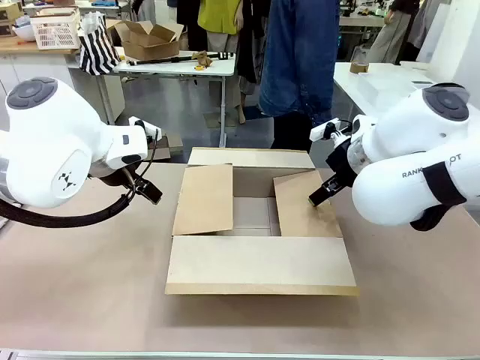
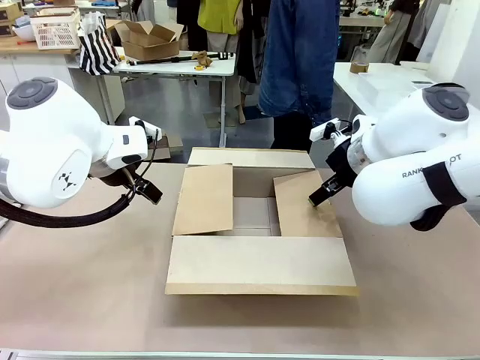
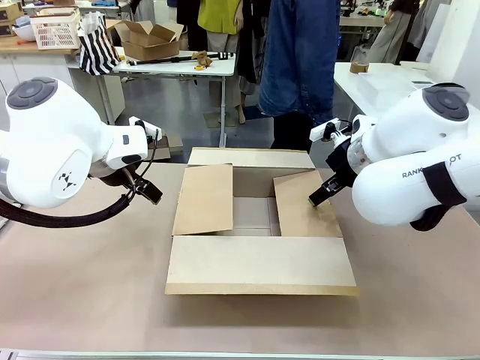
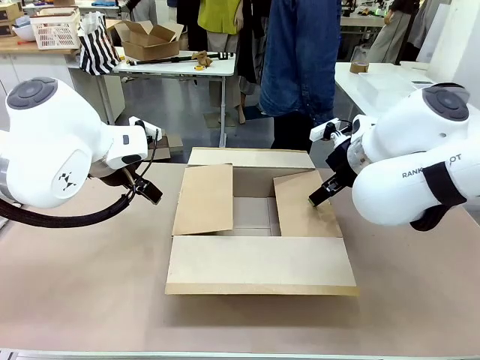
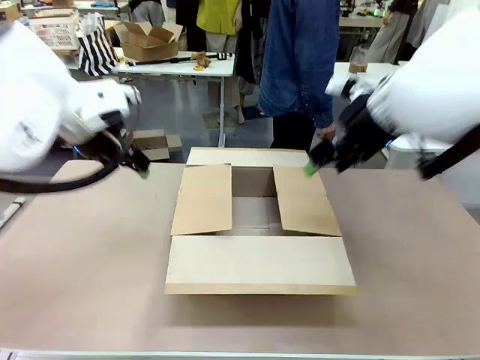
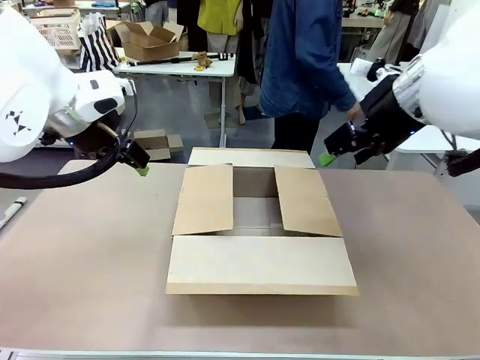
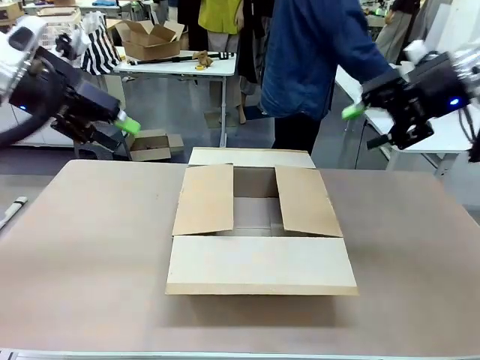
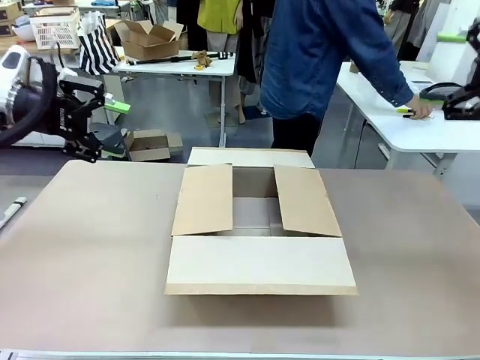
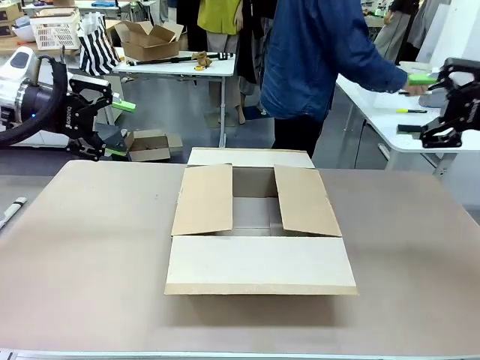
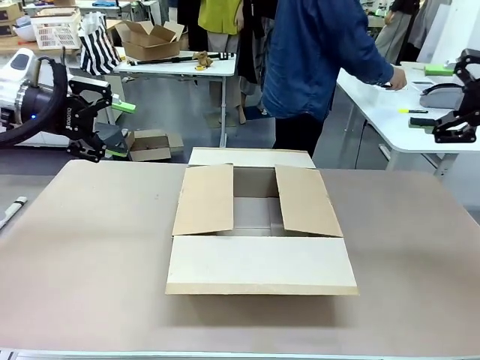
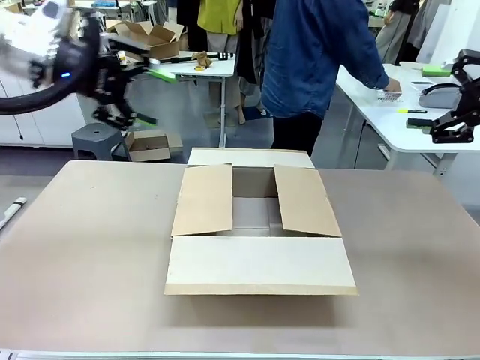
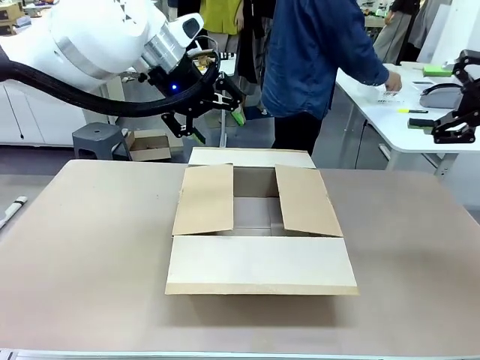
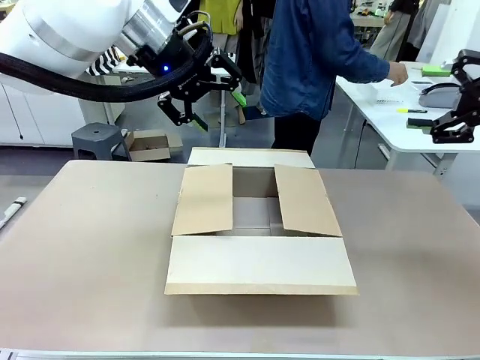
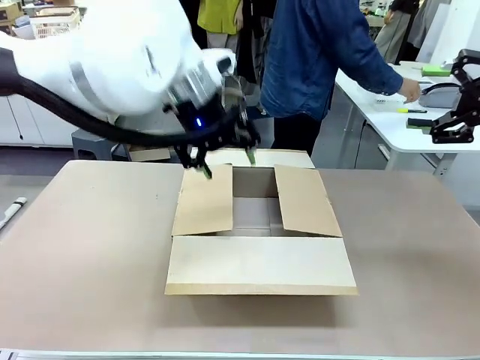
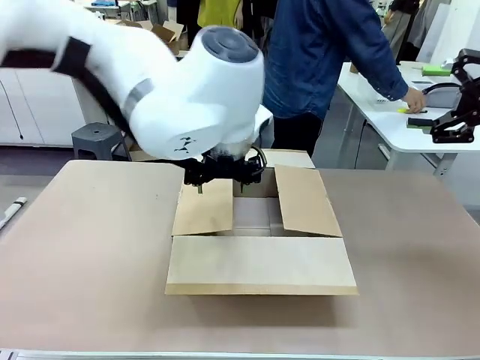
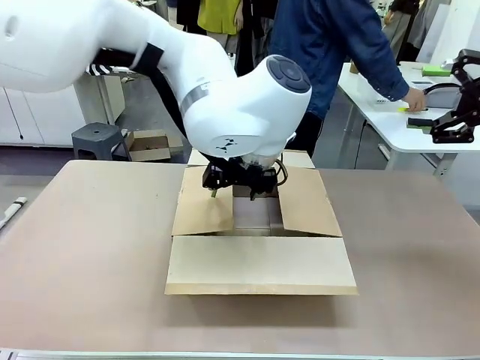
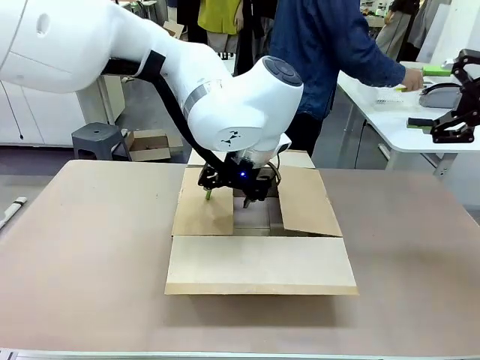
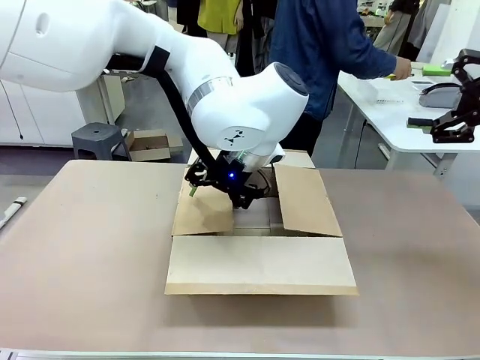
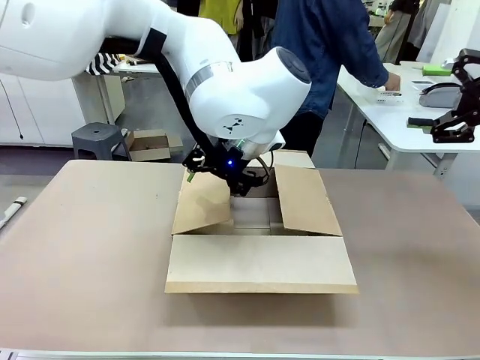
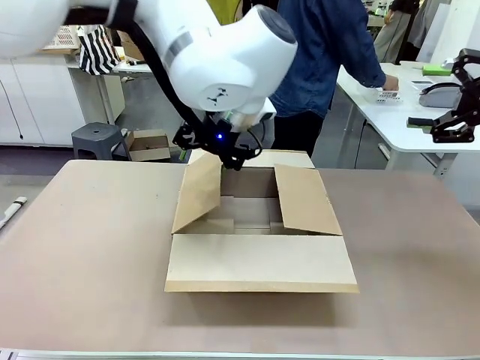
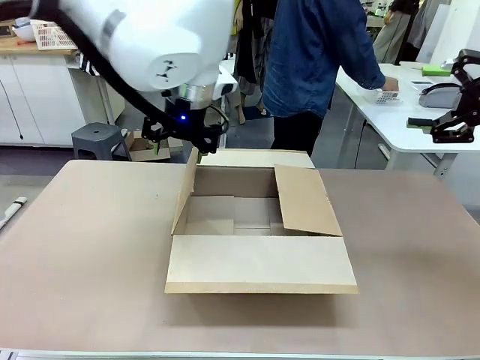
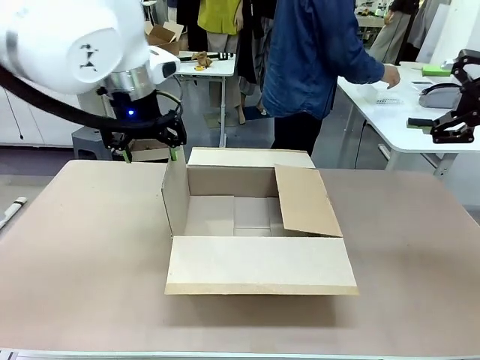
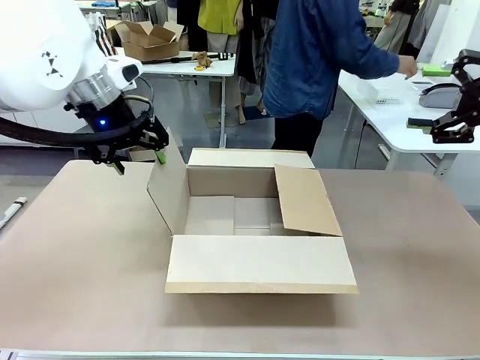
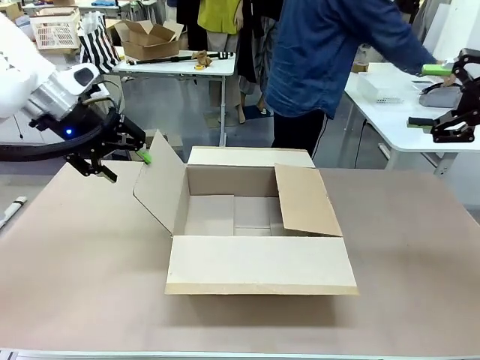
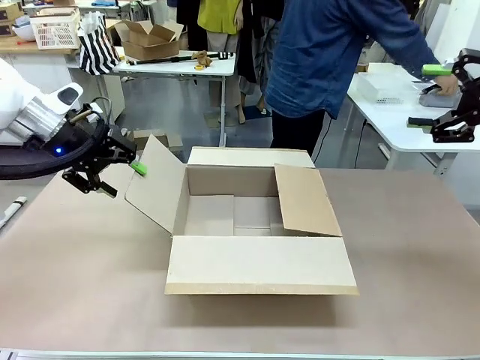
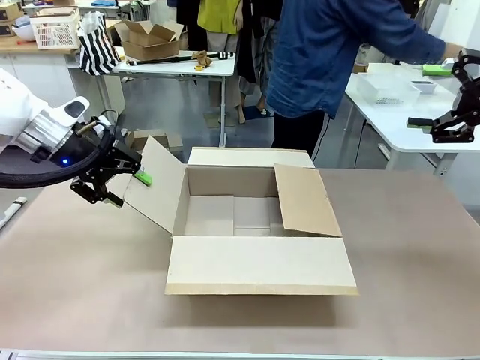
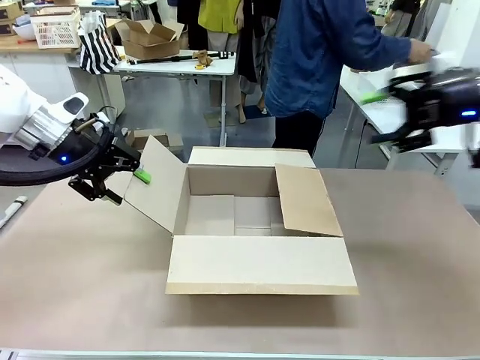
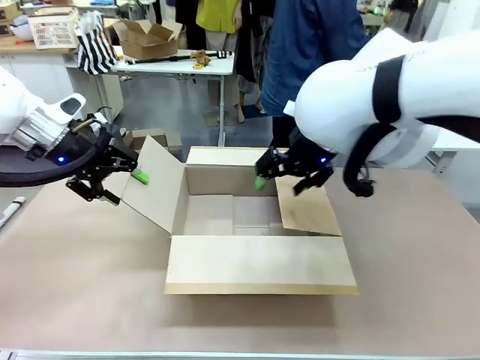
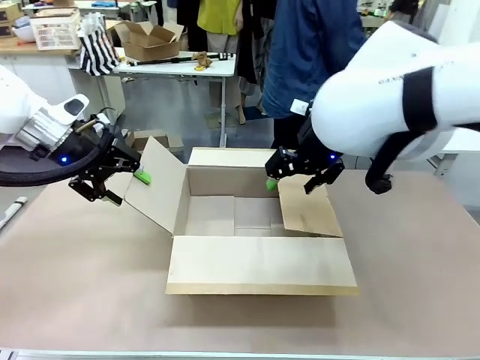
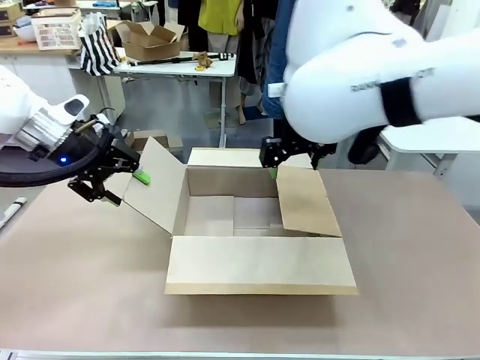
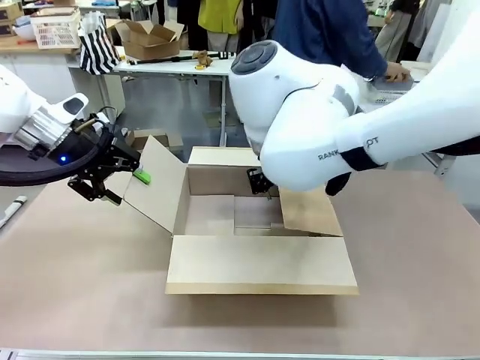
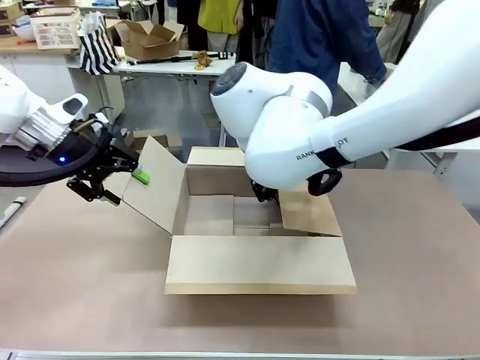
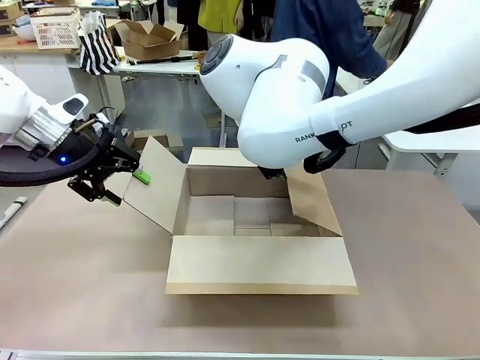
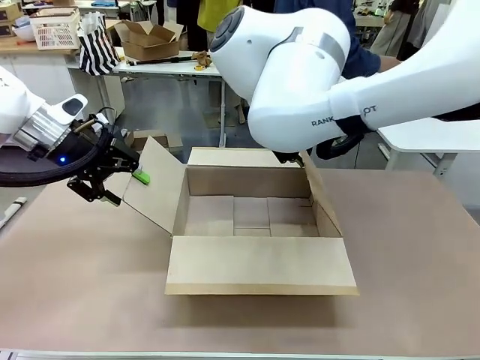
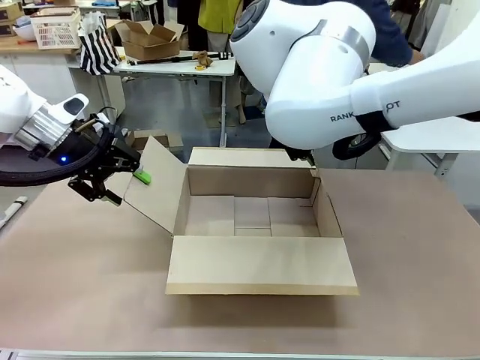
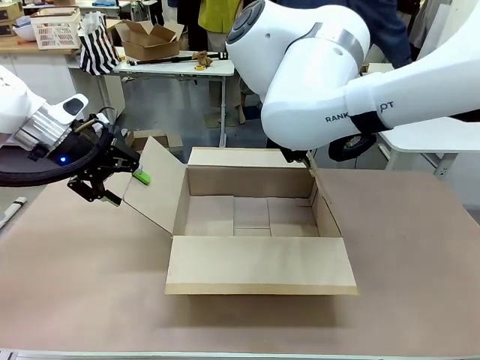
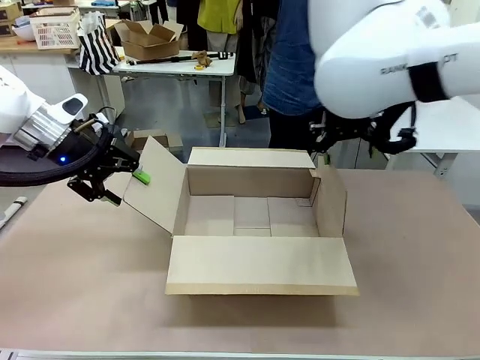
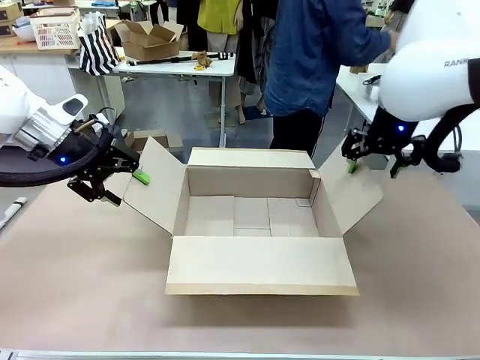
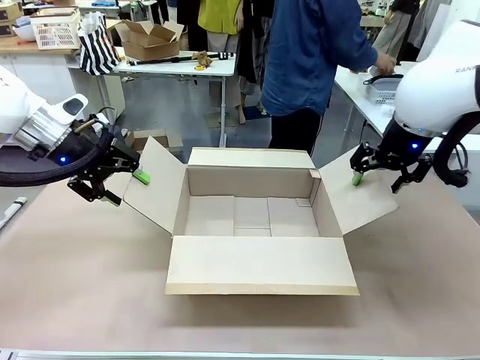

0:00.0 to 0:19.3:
Task: Pack the gift set into the box.
Robot: Place both hands on the side flaps of the Package Box and spread them outward.
Person: The human places all items except the paper tape into the organizing basket.

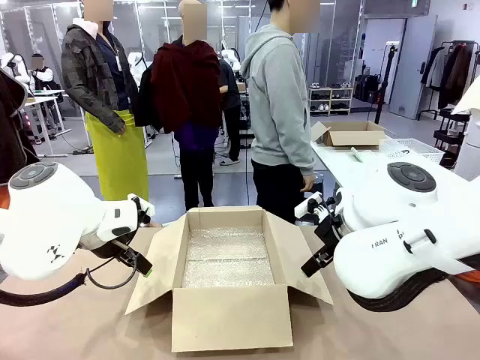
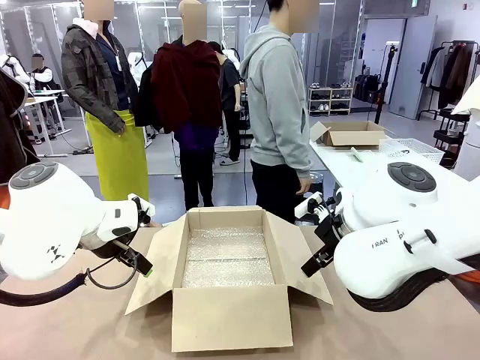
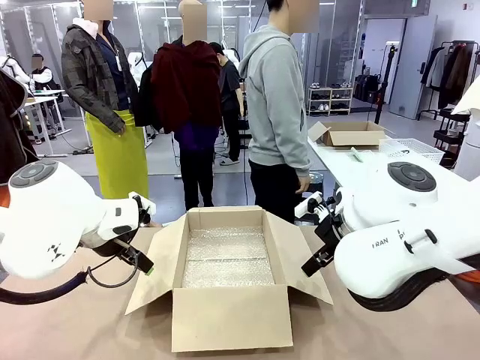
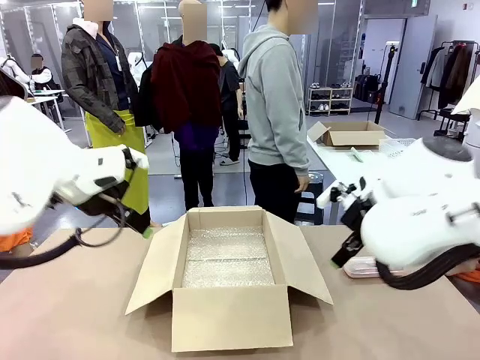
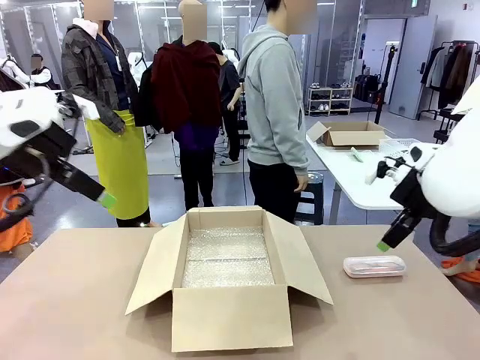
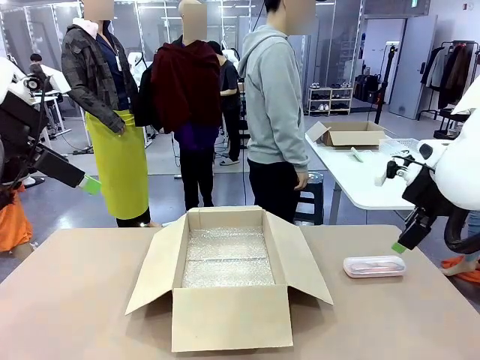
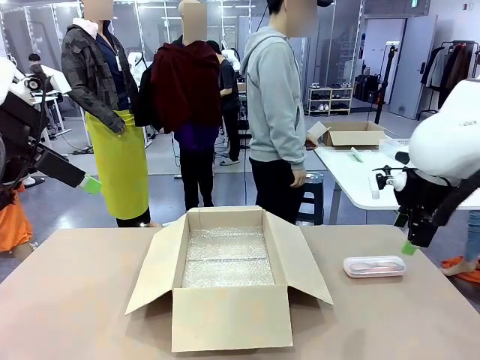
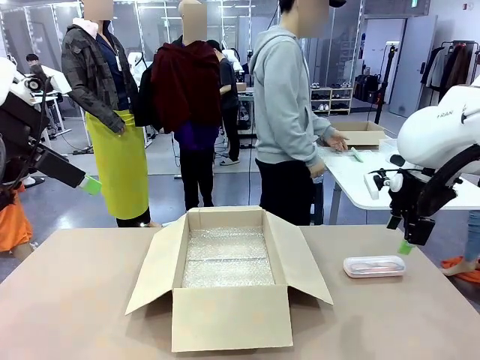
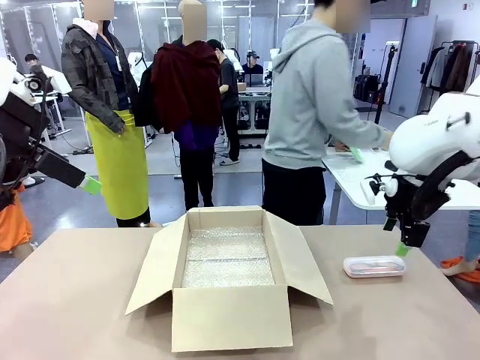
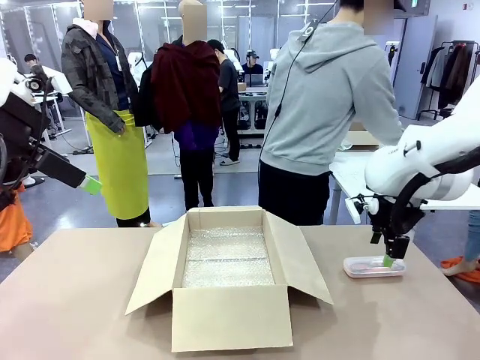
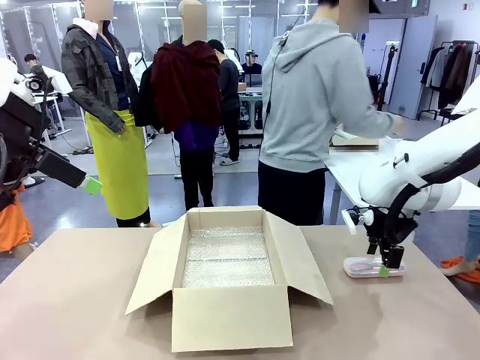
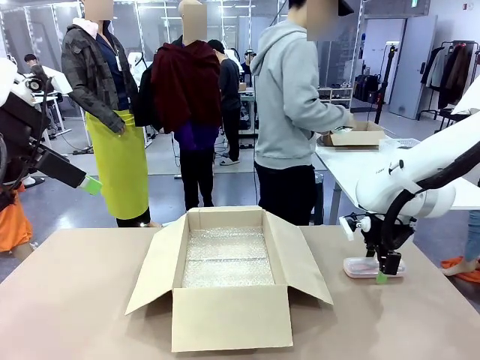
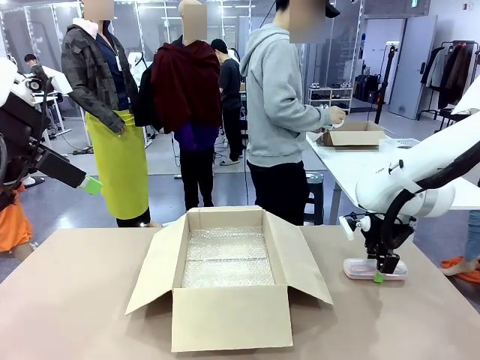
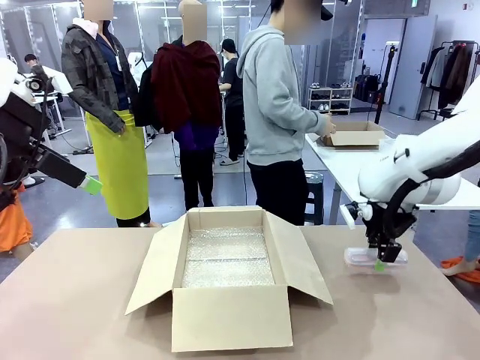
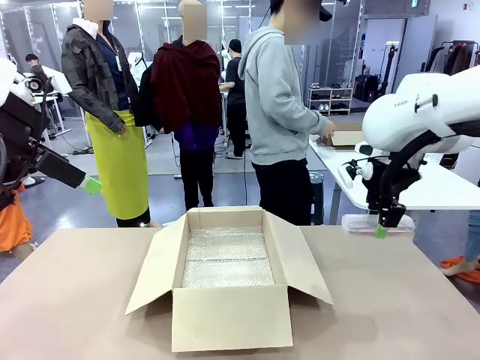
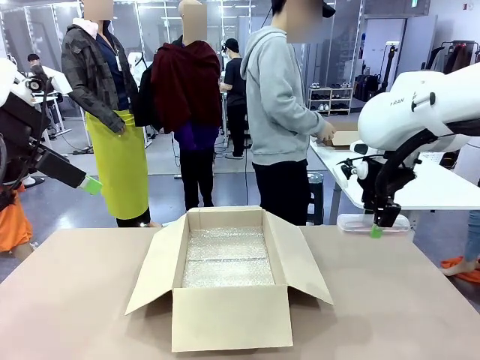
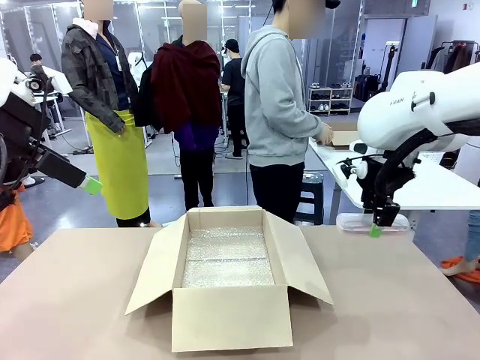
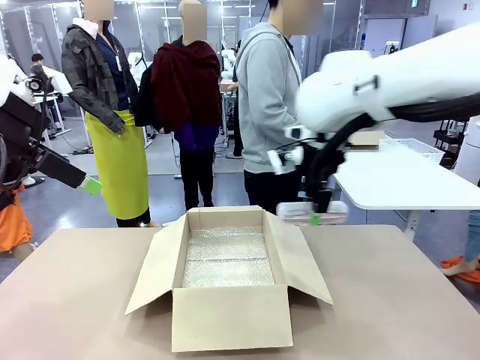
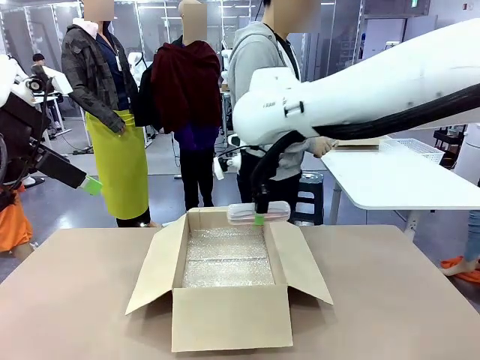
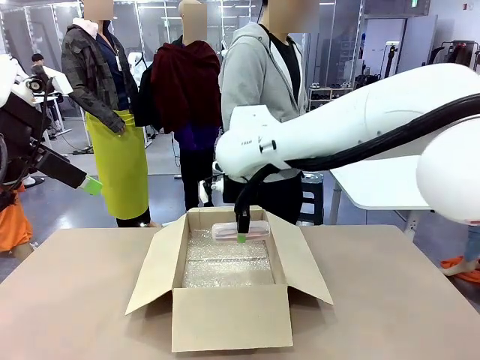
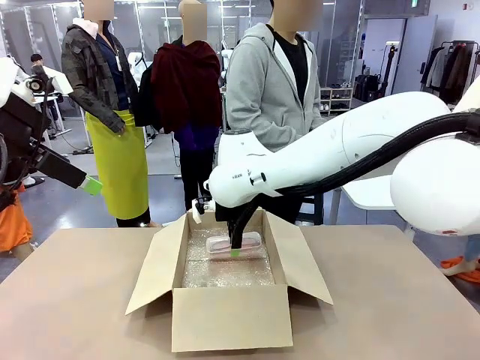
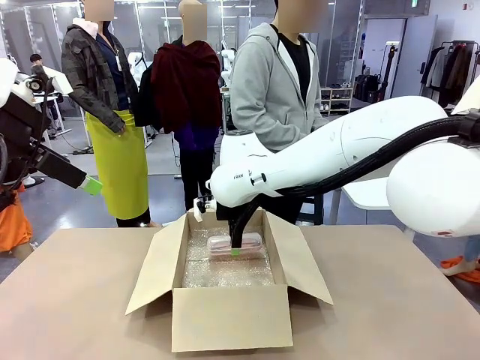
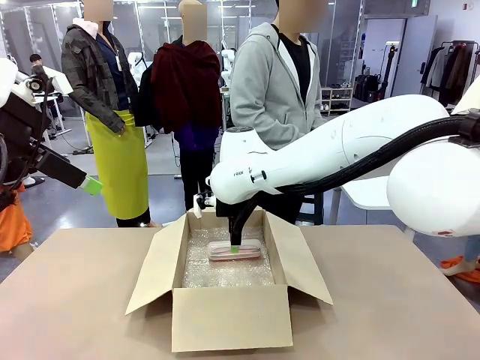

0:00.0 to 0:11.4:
Task: Pack the glasses set securely to prepare it for shipping.
Robot: Place the Glasses case inside the Package Box.
Person: Place the Glasses inside the Glasses case.
